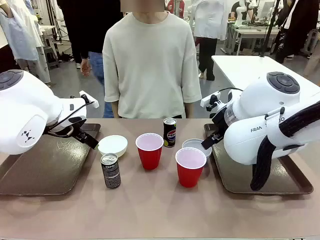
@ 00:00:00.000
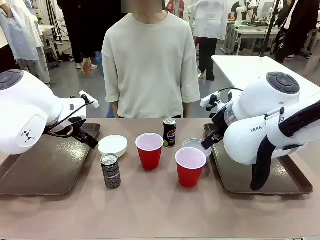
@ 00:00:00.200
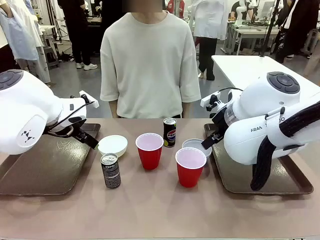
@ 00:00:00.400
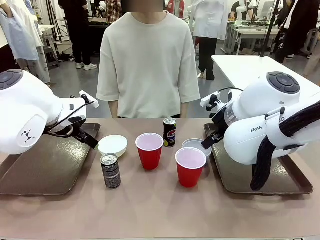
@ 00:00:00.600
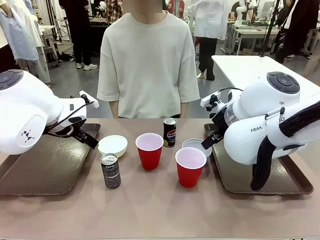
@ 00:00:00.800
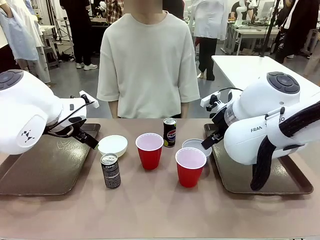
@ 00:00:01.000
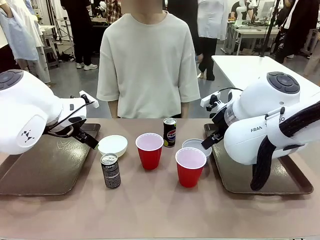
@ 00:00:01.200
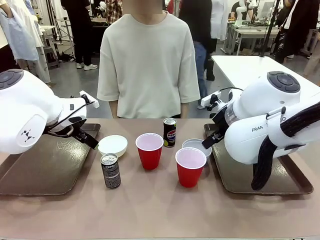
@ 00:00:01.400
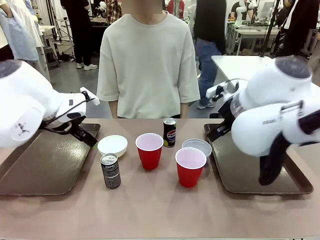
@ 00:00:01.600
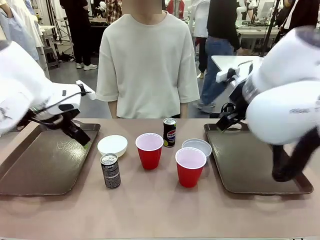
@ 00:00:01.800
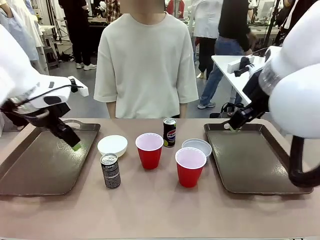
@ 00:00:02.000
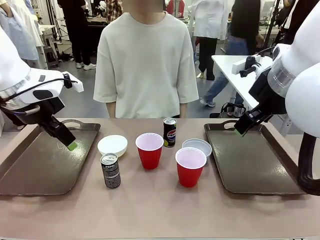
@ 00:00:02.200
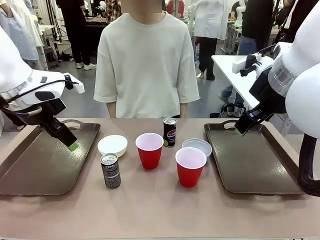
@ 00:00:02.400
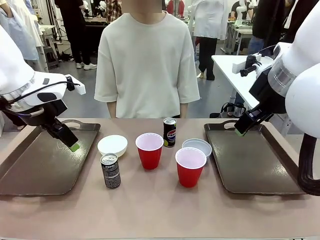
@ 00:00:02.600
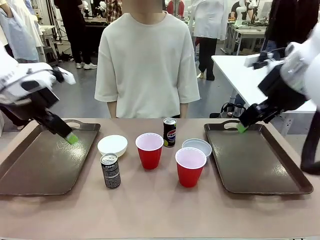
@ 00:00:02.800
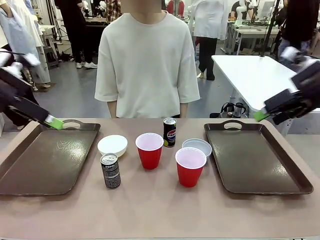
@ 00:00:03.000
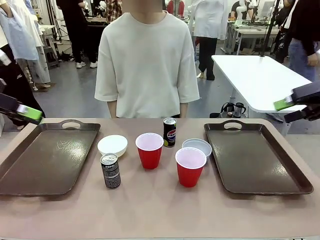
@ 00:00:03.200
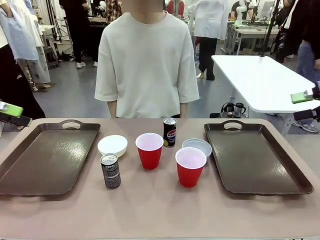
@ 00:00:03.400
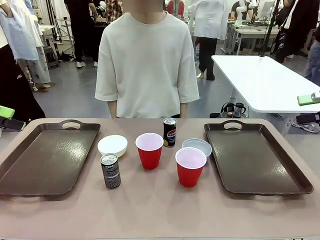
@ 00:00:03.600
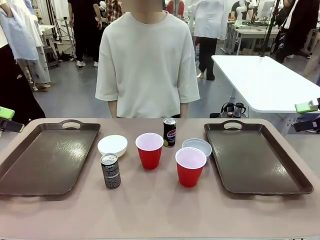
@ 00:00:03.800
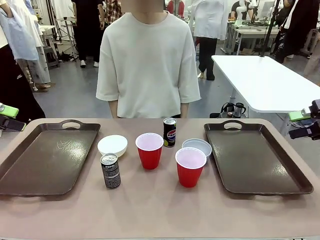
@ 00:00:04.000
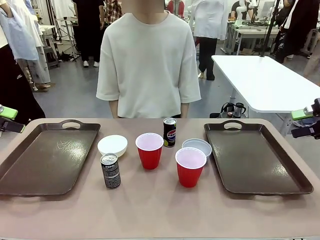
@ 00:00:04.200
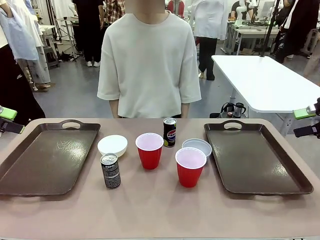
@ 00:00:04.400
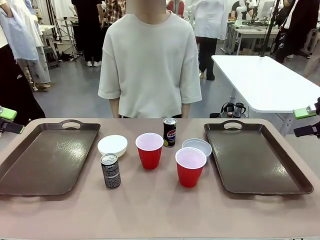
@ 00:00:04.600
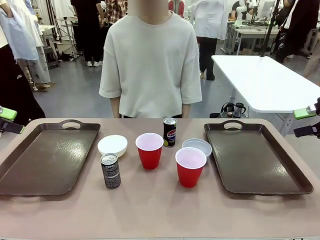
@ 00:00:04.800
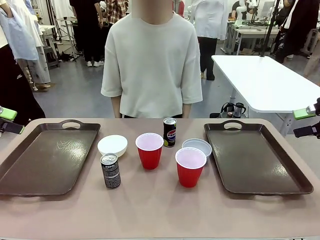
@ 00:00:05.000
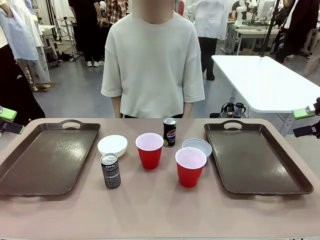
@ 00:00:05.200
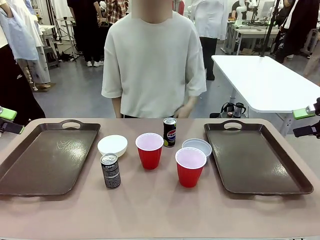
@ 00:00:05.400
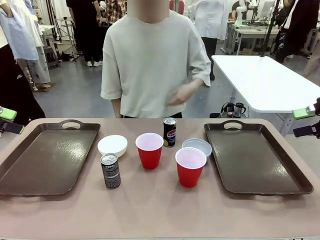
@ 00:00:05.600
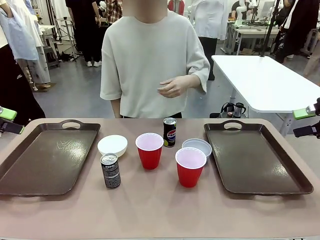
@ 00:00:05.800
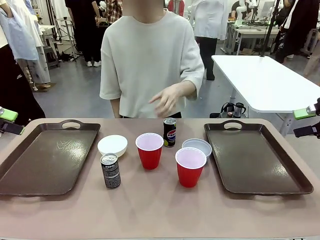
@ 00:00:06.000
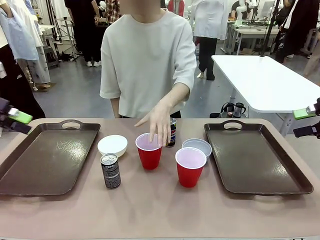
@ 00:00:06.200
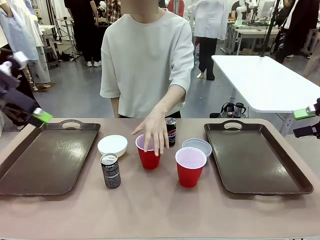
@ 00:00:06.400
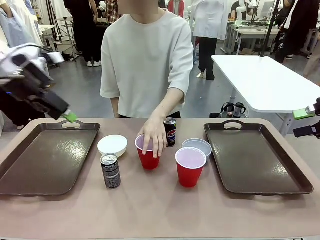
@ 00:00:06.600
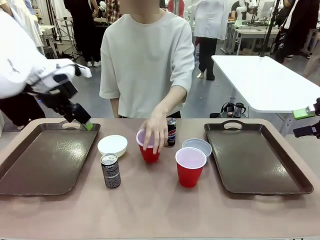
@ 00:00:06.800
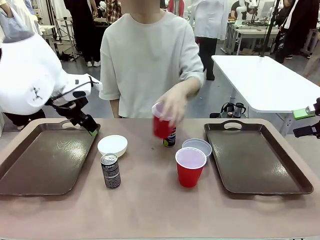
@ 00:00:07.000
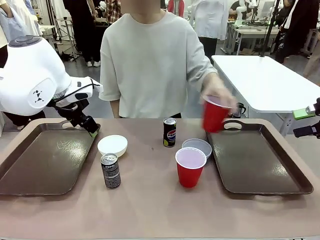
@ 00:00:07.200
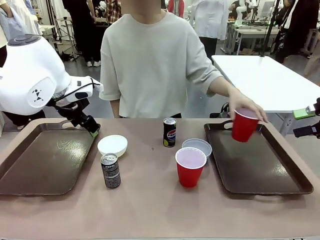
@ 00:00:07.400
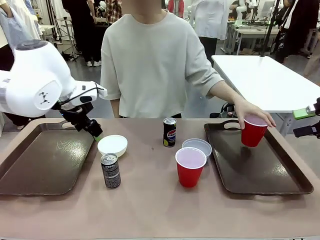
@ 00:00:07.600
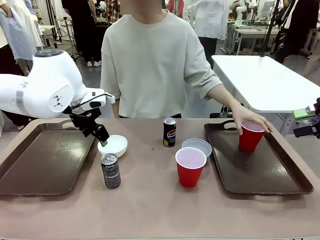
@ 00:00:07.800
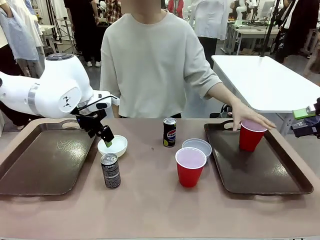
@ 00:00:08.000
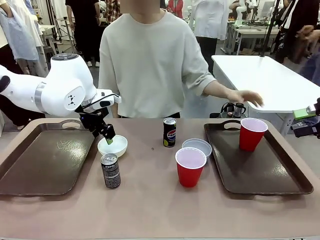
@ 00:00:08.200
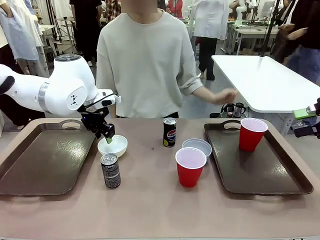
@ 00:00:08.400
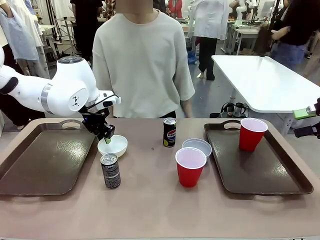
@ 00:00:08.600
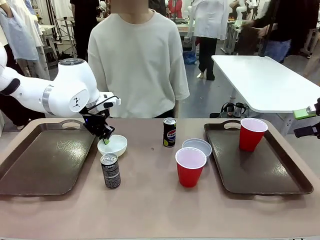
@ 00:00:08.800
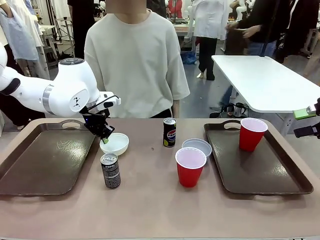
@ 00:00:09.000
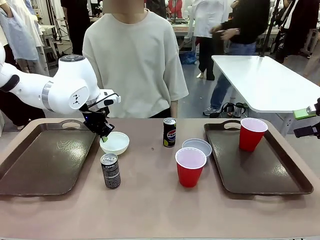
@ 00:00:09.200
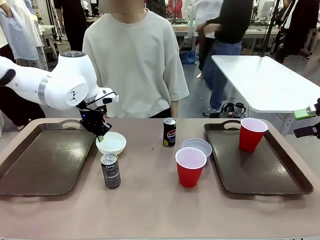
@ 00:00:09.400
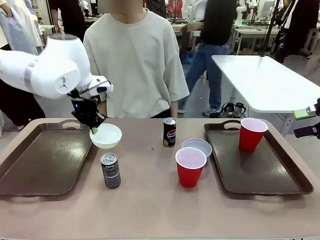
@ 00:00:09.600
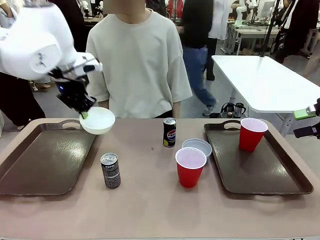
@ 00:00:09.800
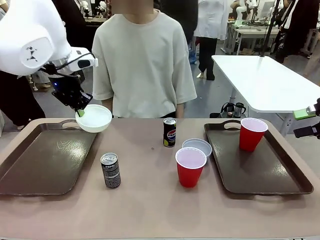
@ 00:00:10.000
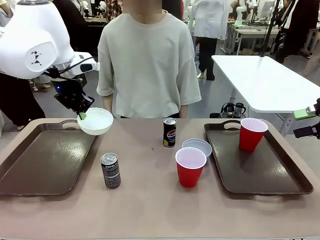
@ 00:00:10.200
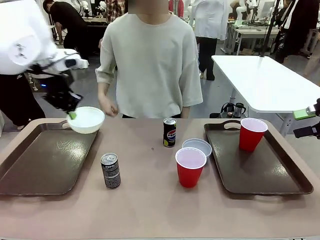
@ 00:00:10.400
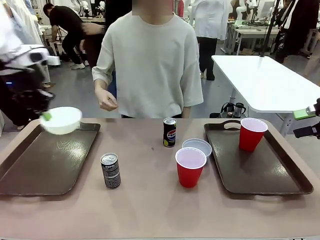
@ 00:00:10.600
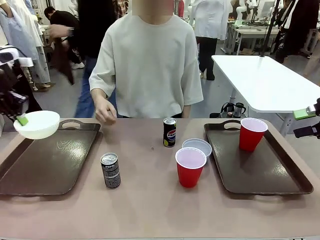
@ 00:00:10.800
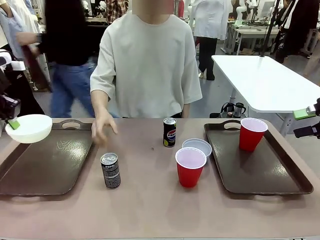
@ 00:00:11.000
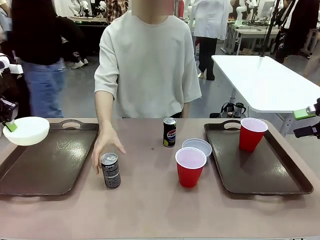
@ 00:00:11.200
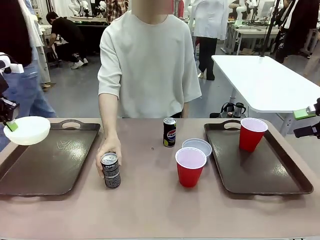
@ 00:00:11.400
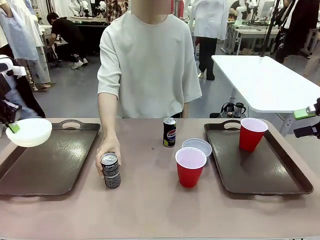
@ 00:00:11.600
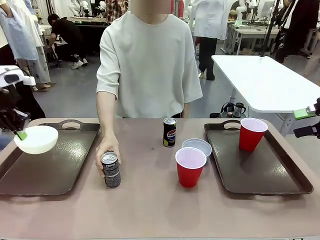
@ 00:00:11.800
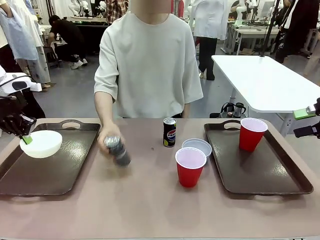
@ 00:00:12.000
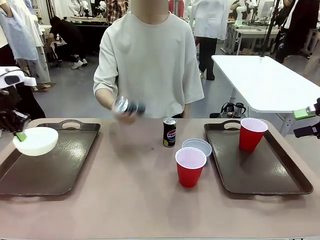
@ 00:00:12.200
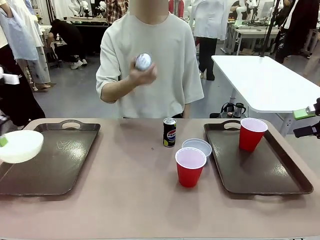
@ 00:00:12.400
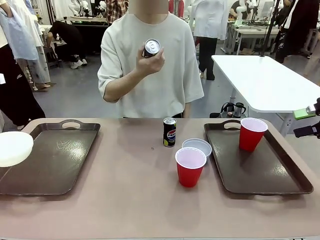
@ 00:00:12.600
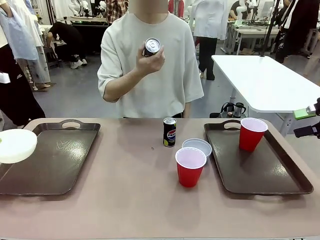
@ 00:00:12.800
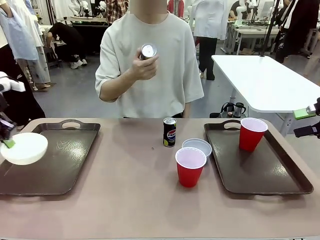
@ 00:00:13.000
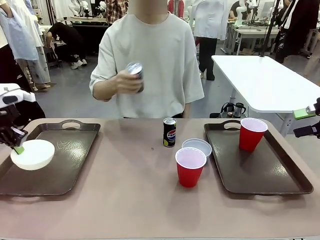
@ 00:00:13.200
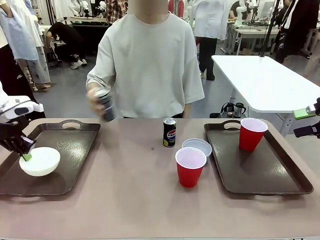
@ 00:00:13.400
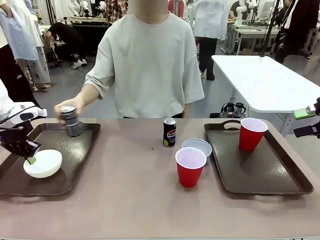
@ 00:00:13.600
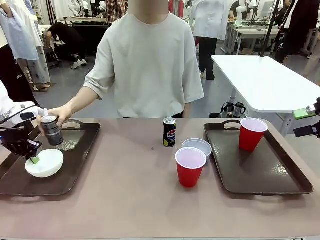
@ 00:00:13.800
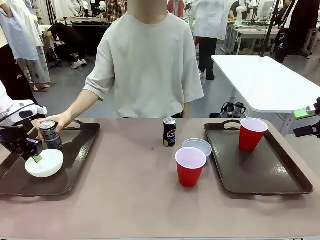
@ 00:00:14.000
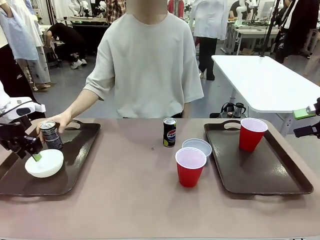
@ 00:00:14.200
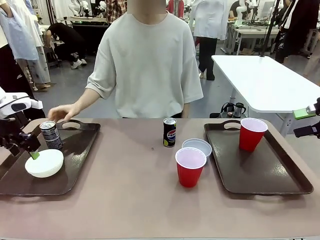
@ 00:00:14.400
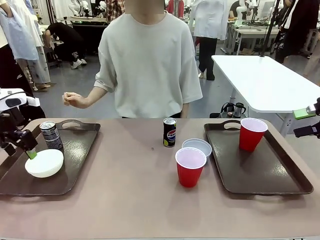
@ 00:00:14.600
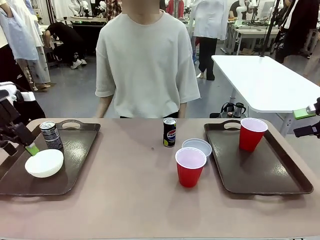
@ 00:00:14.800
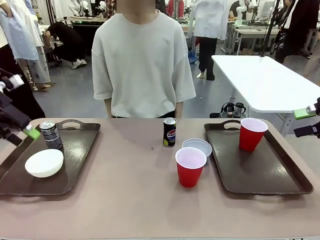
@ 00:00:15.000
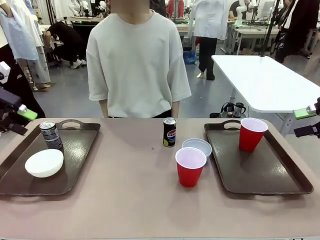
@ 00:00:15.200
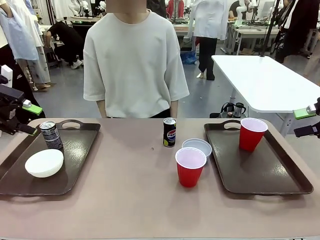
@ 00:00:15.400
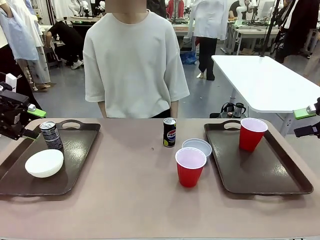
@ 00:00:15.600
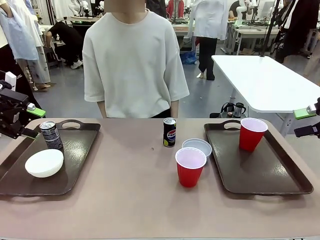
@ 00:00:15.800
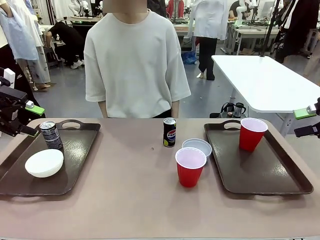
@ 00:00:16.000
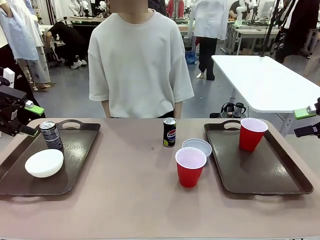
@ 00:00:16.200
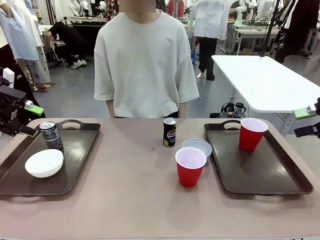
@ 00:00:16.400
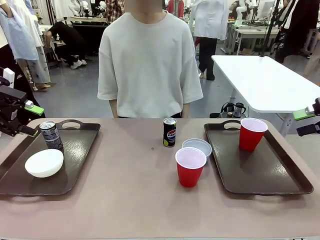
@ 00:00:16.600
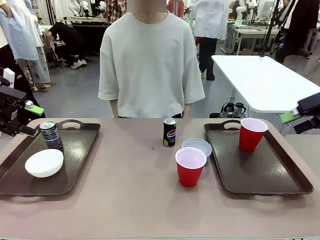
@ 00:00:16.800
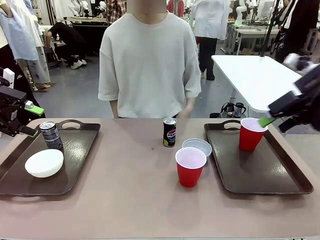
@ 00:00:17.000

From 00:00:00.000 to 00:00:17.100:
Task: Prepare tableware on both trays.
Robot: Pick up a Picnic Bowl from the table and place it on a Handle tray.
Person: Pick up a can or cup and place it on the tray.
